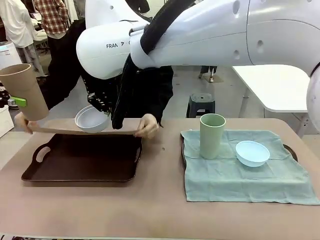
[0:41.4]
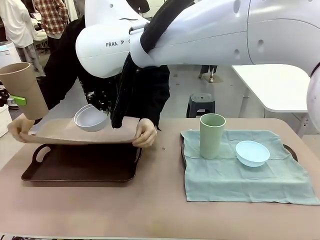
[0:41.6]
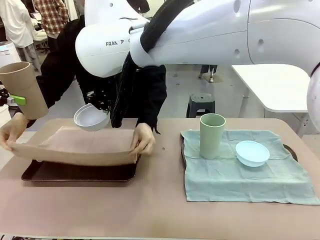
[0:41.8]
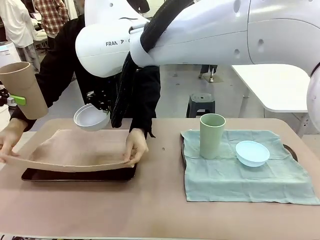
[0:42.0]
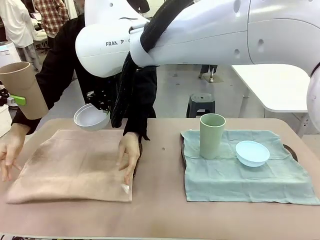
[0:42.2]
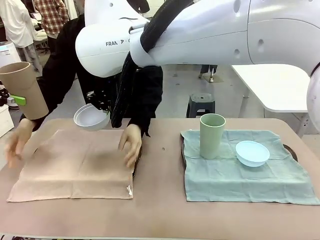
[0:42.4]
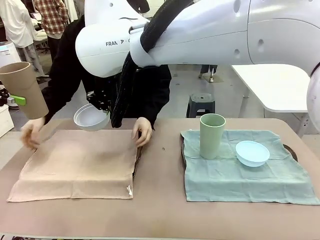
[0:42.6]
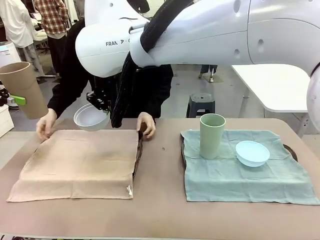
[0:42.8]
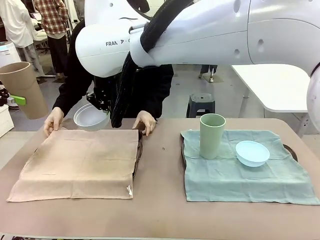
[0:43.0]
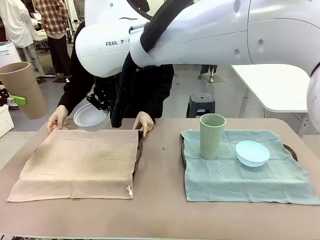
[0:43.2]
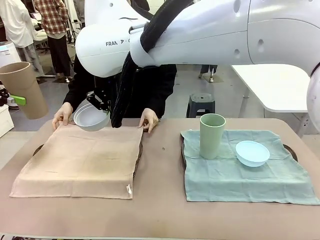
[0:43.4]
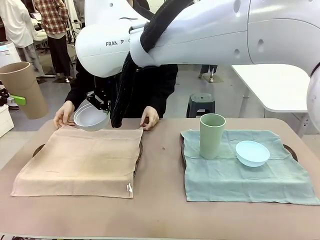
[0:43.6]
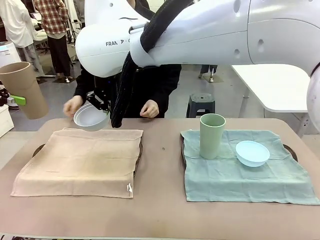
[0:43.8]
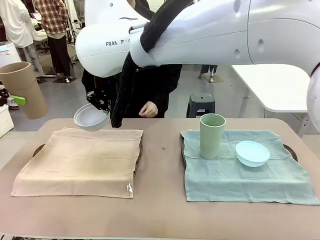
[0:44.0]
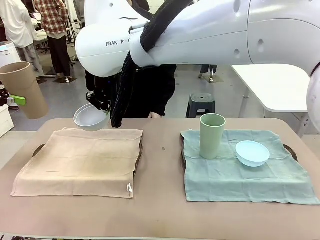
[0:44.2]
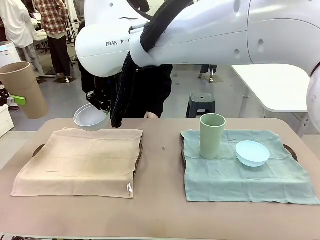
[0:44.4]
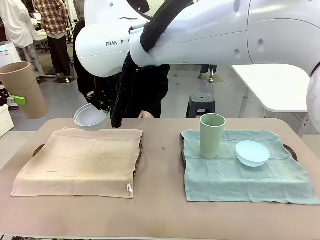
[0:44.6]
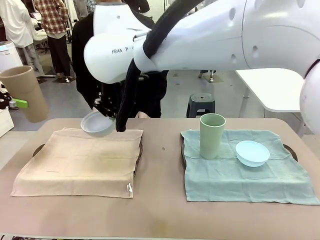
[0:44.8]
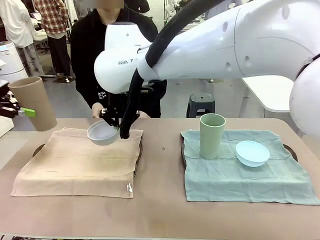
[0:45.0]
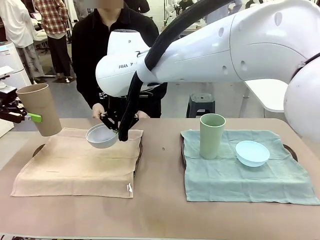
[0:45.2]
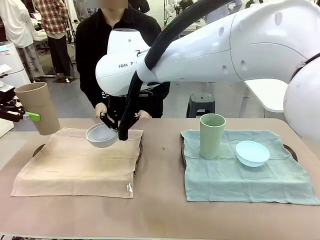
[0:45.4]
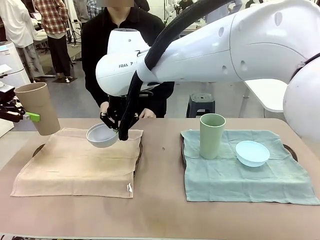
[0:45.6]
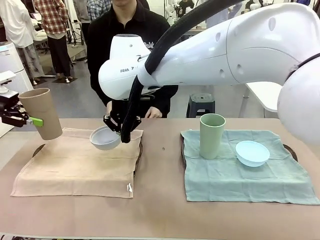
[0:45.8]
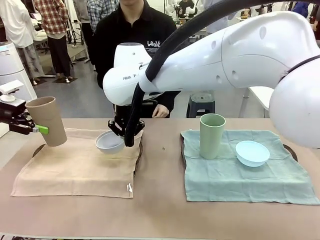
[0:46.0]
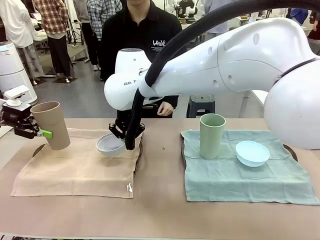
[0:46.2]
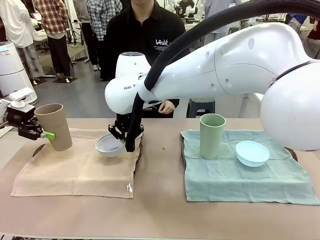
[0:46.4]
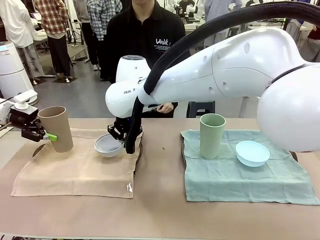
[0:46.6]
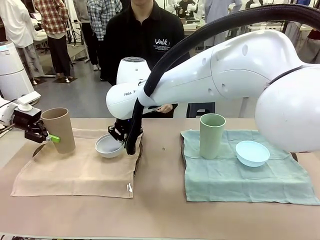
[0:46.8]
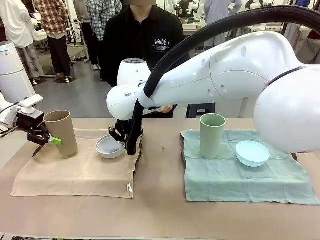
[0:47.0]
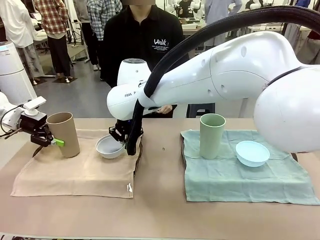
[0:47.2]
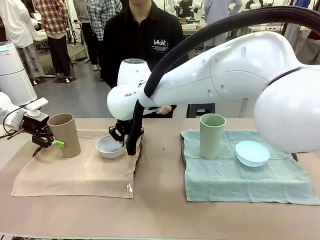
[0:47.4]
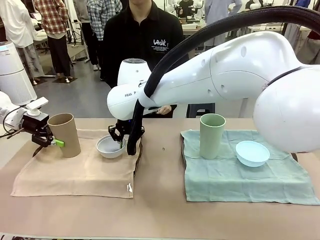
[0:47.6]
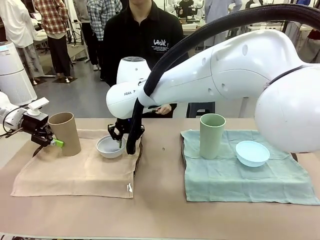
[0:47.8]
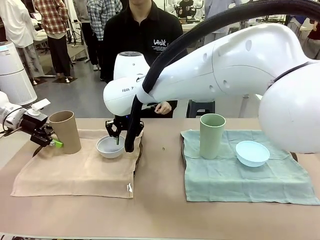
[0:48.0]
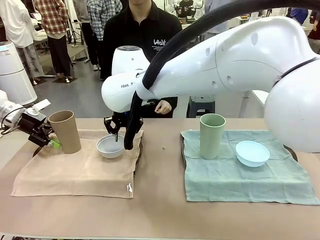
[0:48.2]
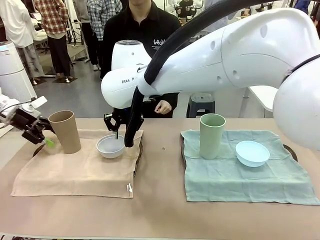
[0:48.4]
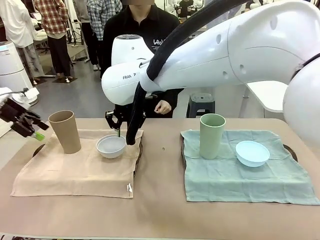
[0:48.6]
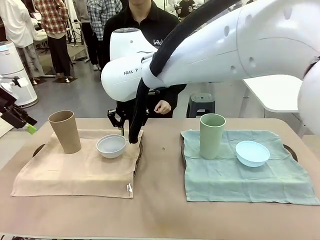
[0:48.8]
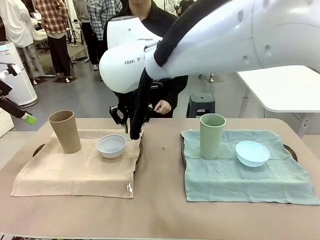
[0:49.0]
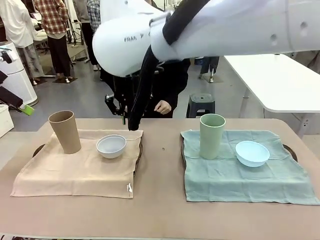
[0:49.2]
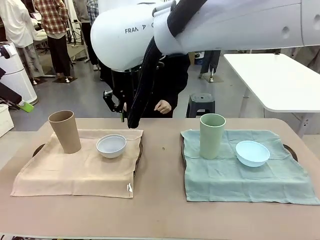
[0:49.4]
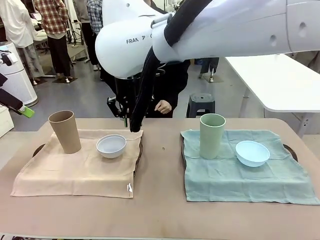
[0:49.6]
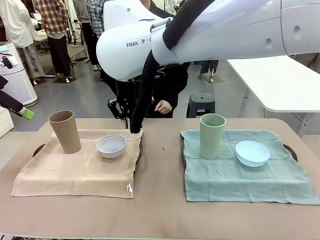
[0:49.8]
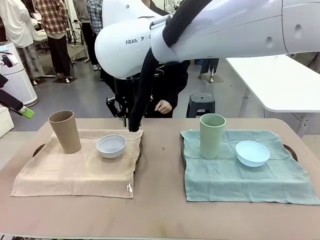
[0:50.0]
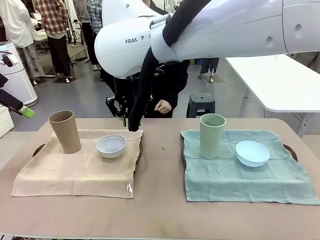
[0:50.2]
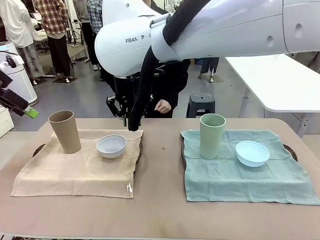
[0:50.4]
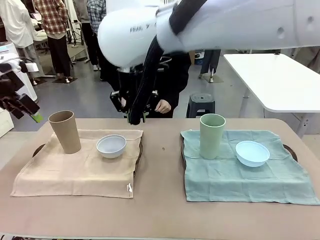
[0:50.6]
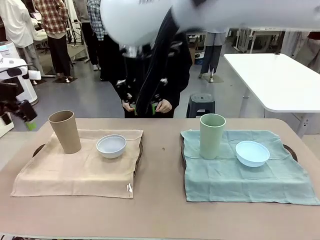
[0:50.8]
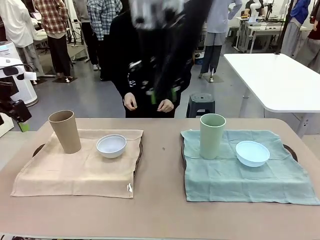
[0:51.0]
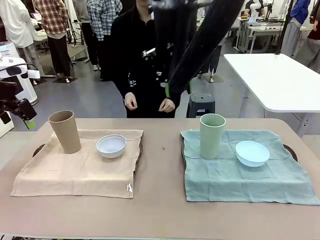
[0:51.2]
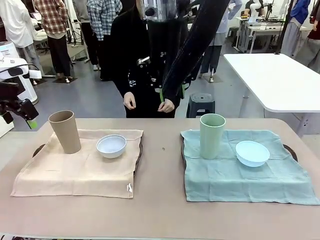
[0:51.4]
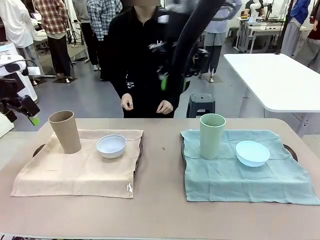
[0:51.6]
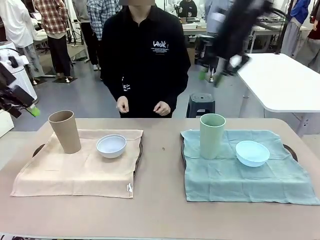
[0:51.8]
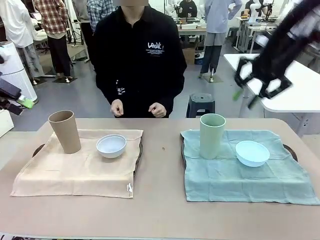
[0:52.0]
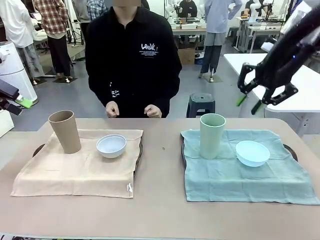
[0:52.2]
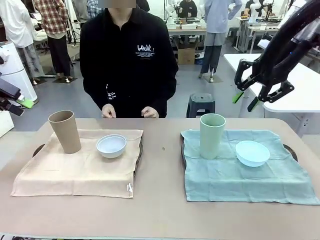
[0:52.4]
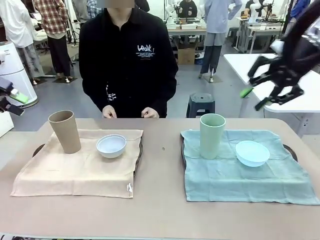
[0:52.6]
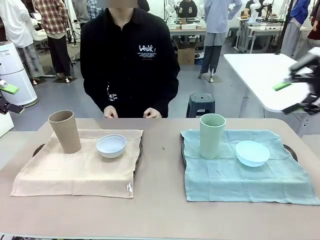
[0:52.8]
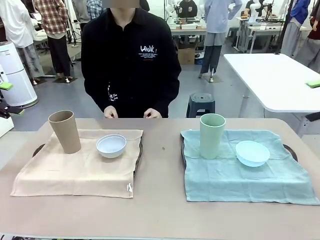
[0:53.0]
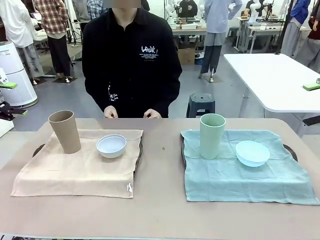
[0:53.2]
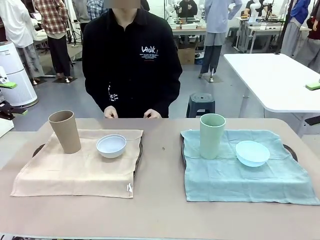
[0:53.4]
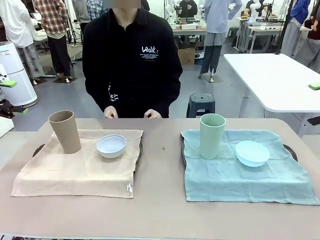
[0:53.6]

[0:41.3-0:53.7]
Robot: Place the Picnic Bowl and Reusable plastic cup back onto the Handle tray in front of the human's position.
